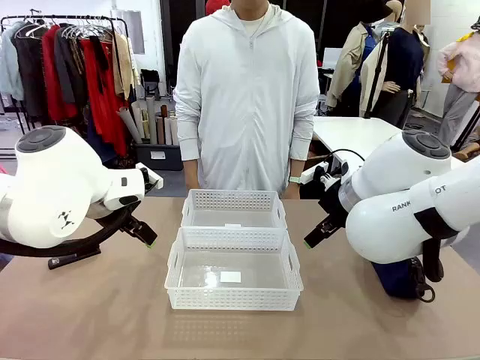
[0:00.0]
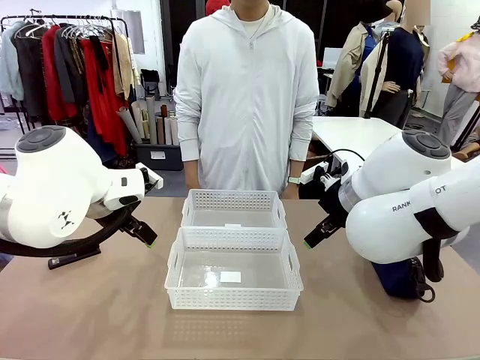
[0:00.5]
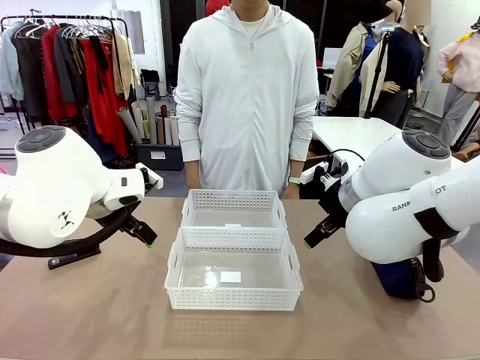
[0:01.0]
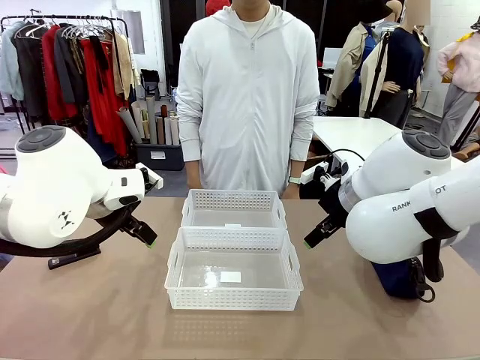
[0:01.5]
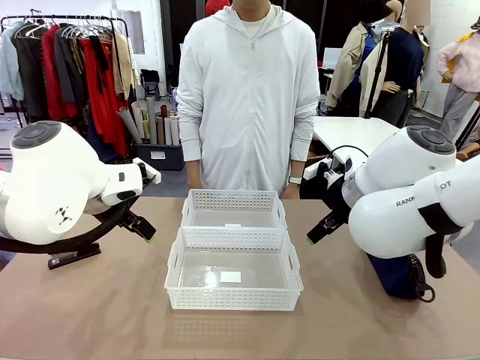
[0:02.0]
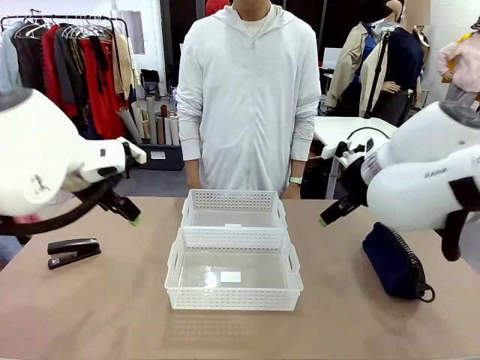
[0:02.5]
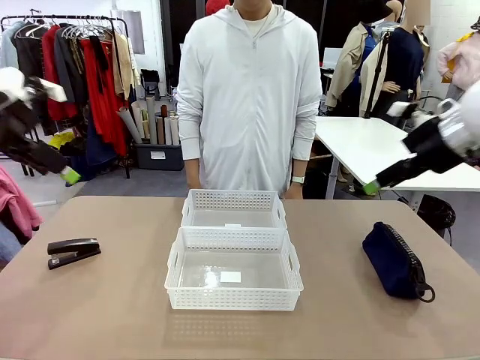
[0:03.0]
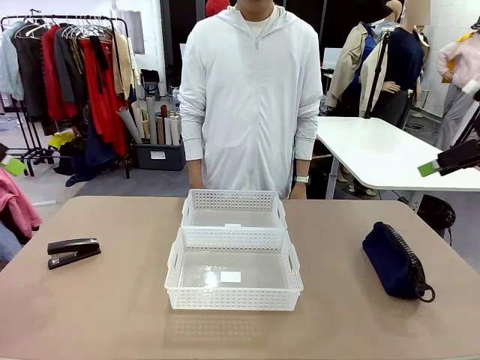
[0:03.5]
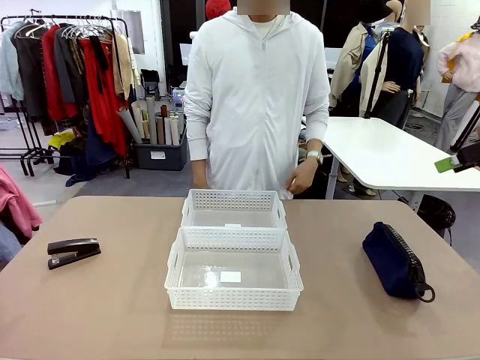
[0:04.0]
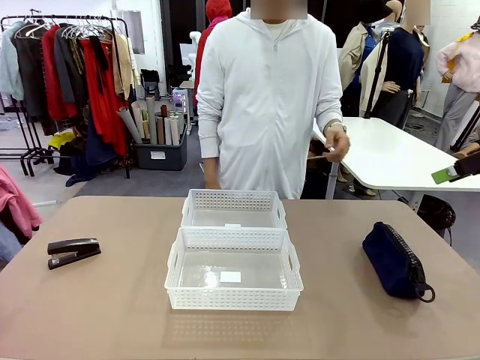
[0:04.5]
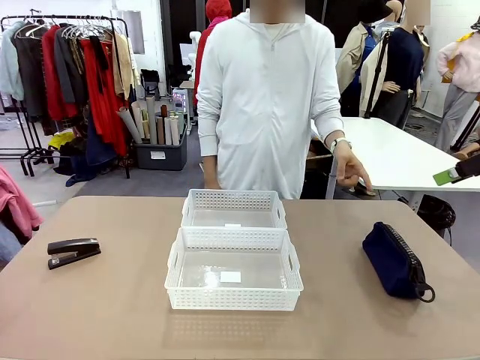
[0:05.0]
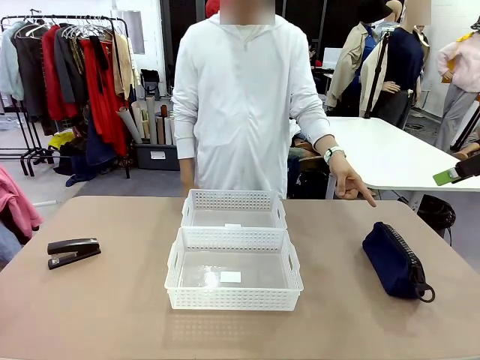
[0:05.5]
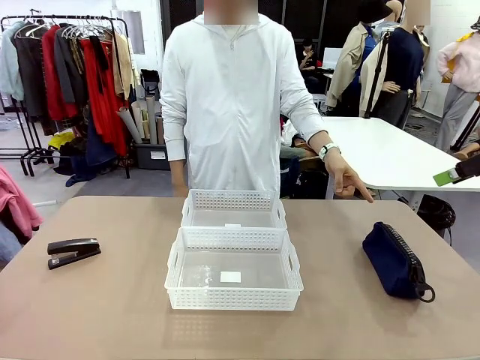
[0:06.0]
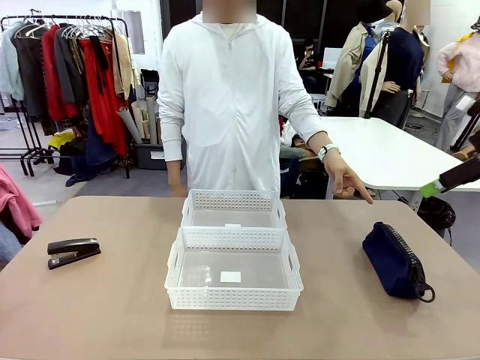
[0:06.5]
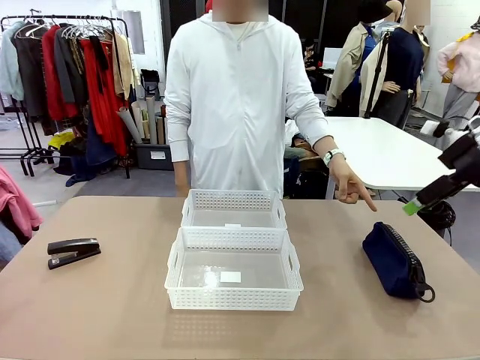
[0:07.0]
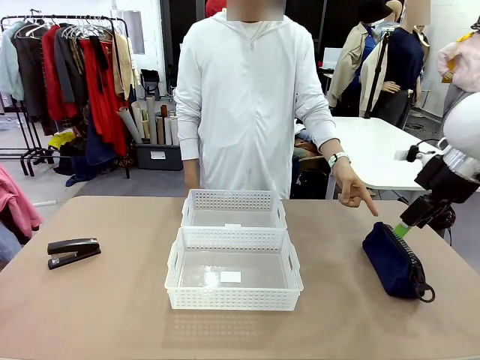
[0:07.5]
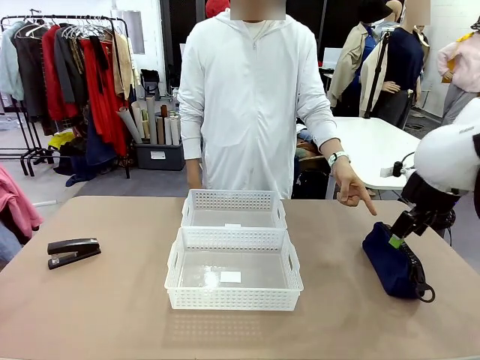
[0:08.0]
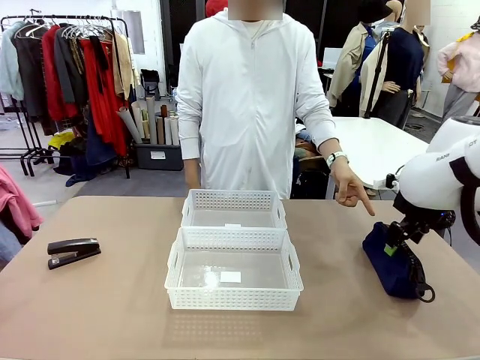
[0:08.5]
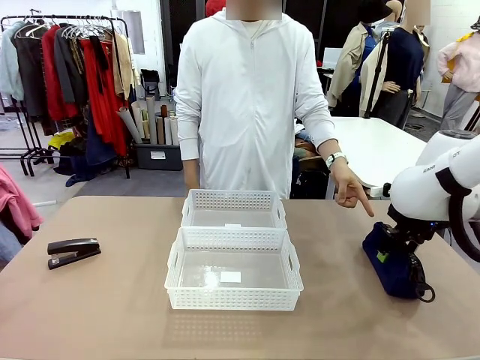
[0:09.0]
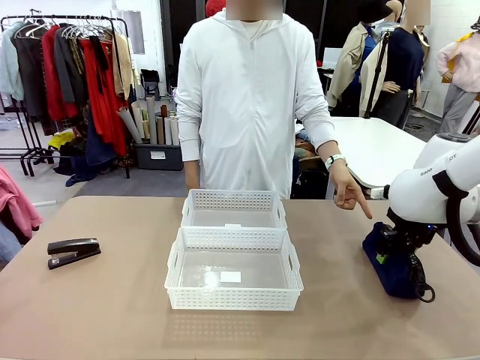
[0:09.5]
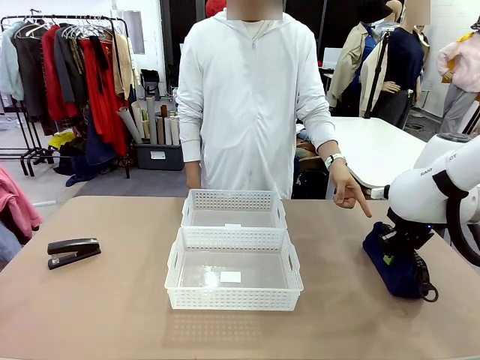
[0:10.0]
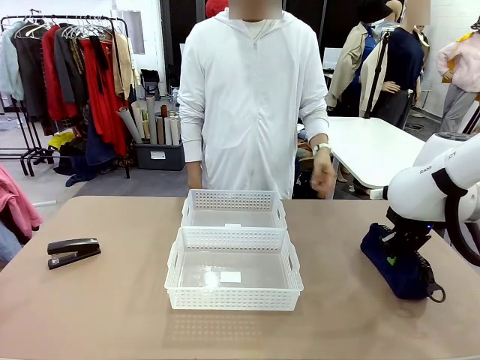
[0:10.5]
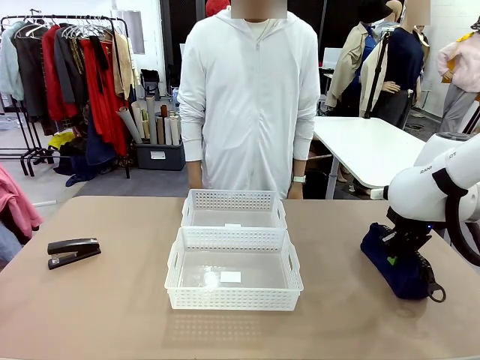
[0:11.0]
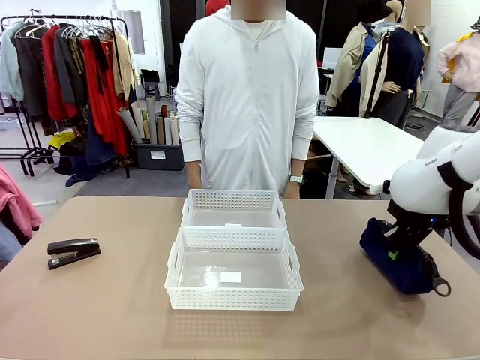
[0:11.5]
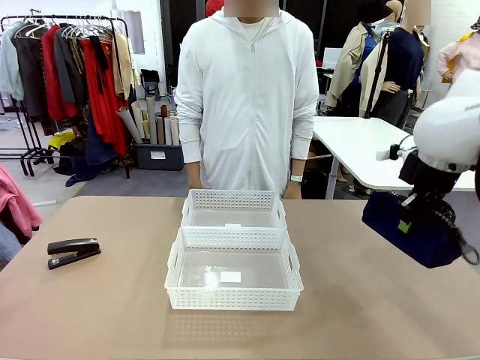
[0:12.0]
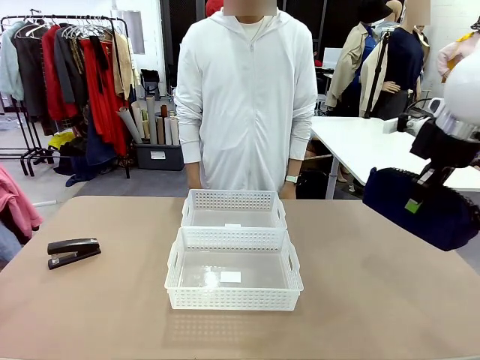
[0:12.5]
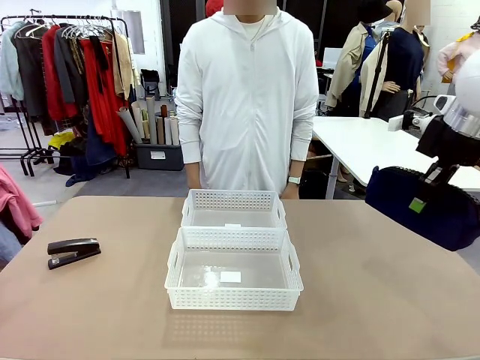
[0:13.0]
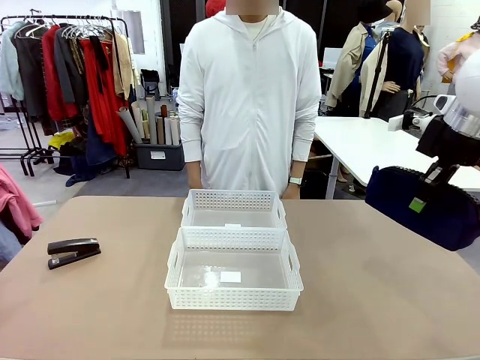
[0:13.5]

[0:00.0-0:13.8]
Task: Distribute items into two baskets.
Robot: Pick up the Pencil pouch that the person points to.
Person: Points to the pencil case. Points between the two organizing baskets and instructs the robot to move the pencil case.

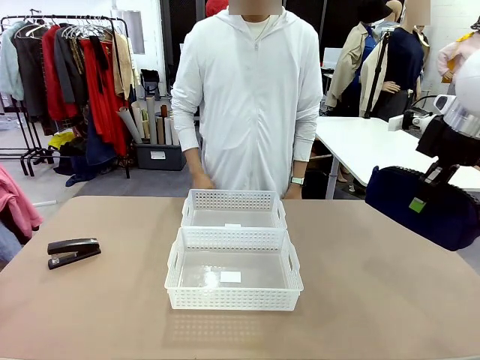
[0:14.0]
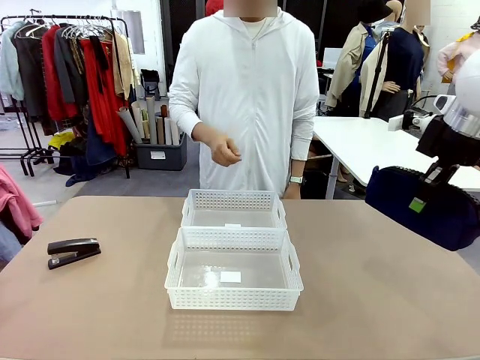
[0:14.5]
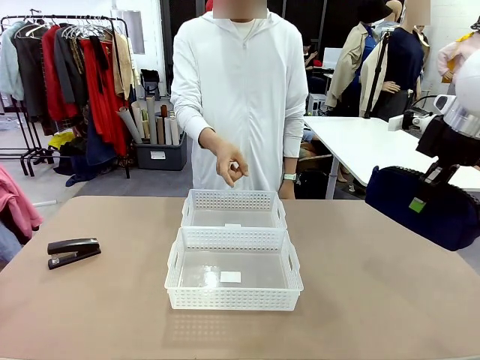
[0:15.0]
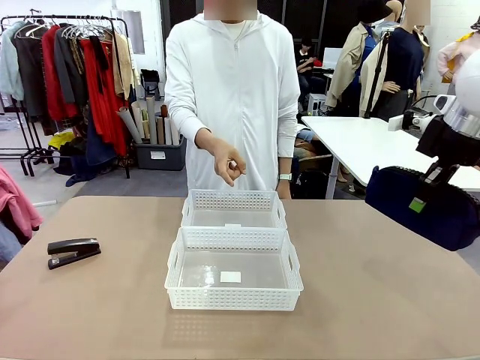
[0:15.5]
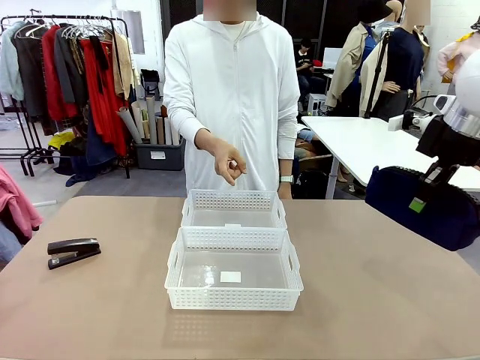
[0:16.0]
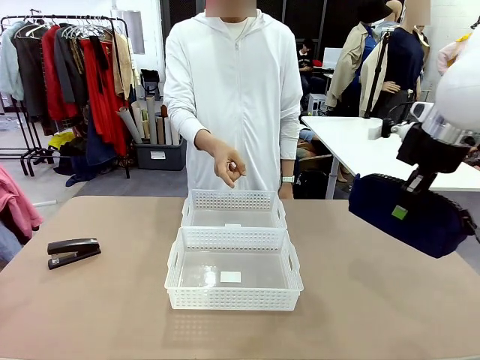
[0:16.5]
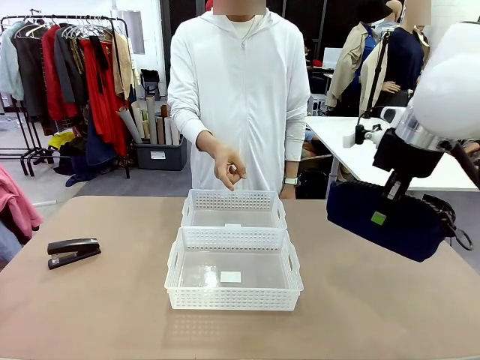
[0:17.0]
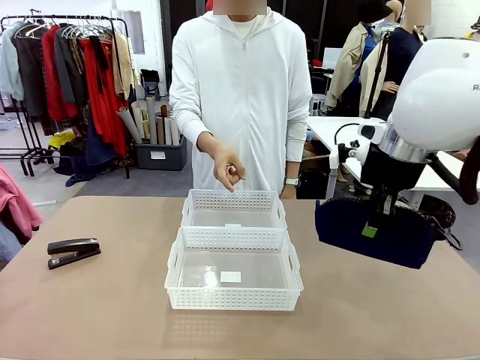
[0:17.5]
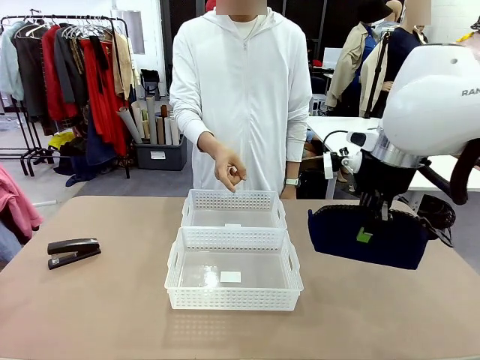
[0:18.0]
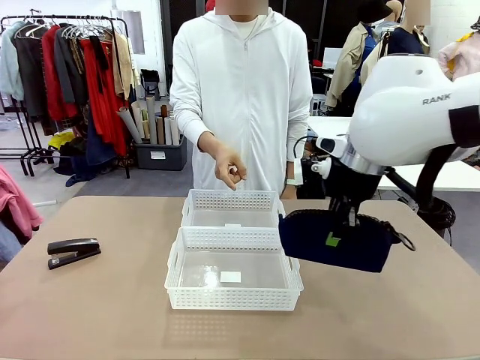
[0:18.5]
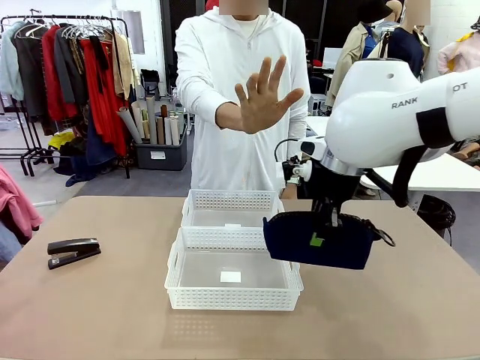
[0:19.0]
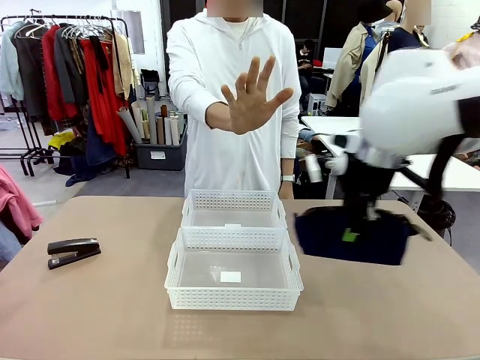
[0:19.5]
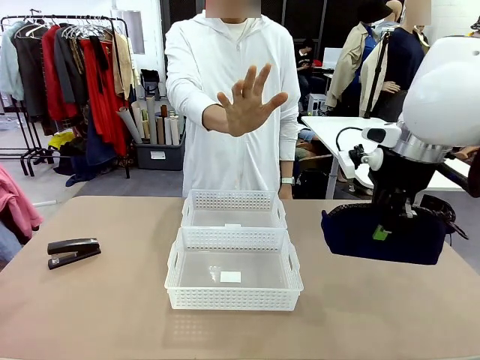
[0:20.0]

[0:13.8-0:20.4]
Robot: Move the picked Pencil pouch towards the Organizing basket indicated by the person, stopping as directed.
Person: Sends a stop gesture before the robot places the pencil case into the basket.

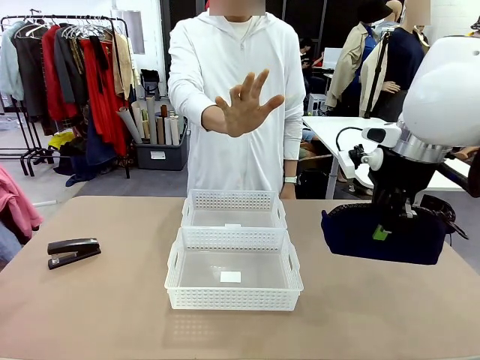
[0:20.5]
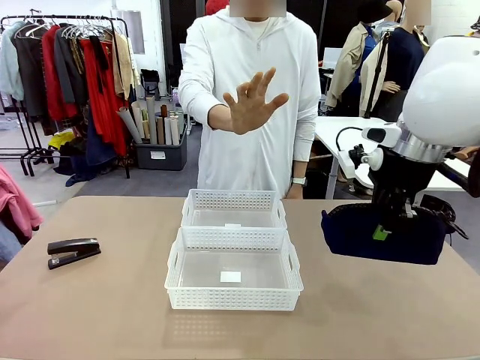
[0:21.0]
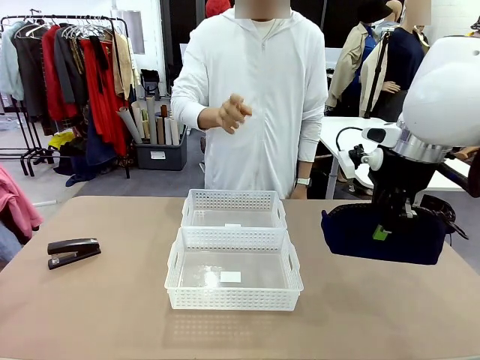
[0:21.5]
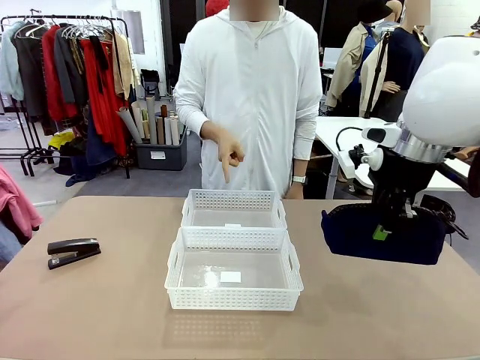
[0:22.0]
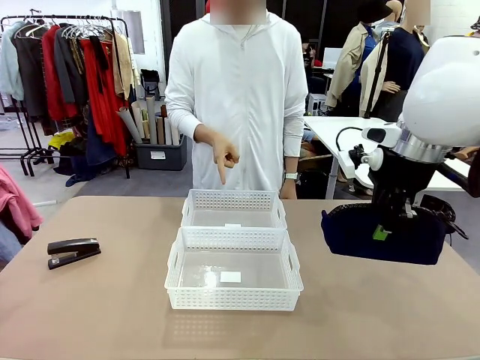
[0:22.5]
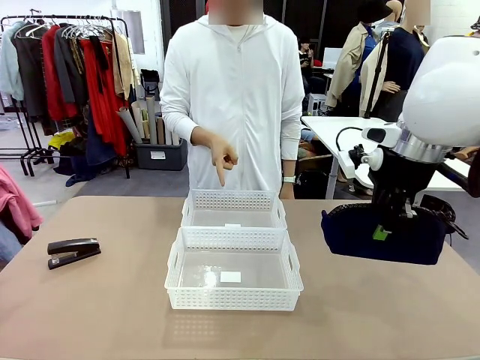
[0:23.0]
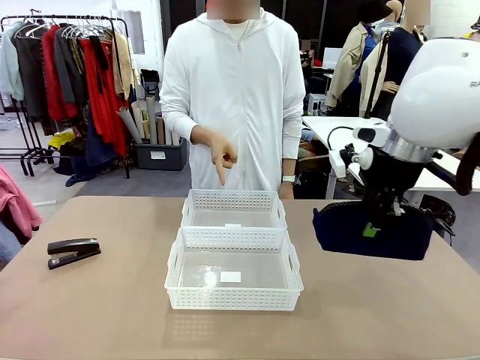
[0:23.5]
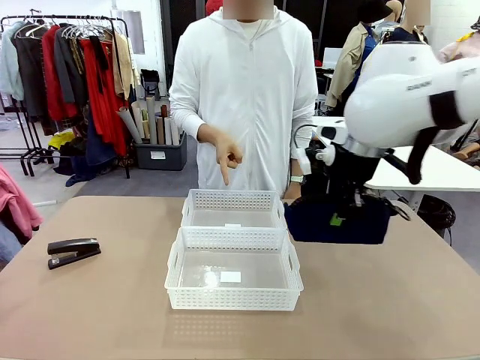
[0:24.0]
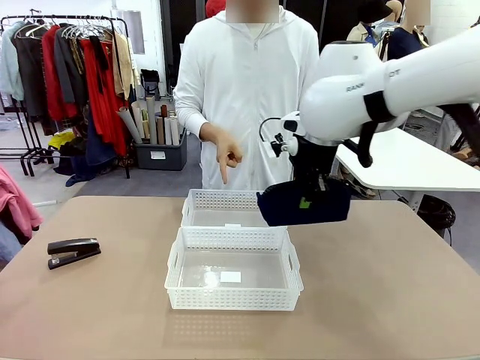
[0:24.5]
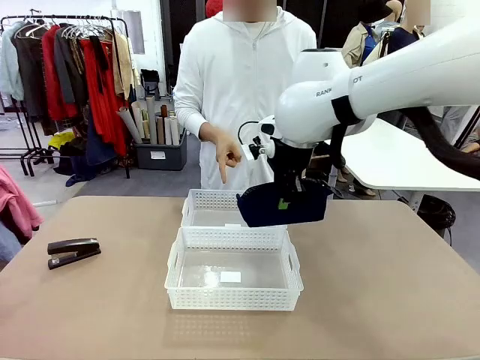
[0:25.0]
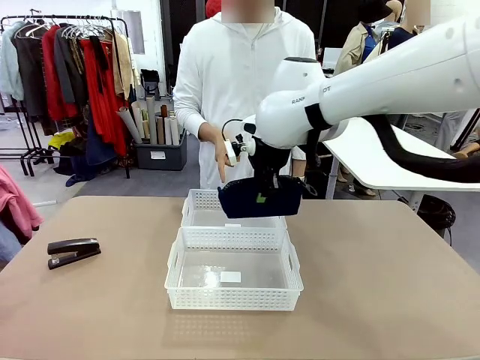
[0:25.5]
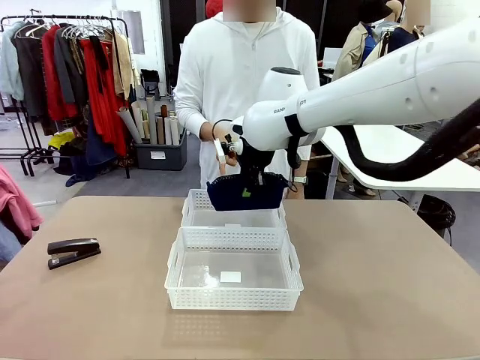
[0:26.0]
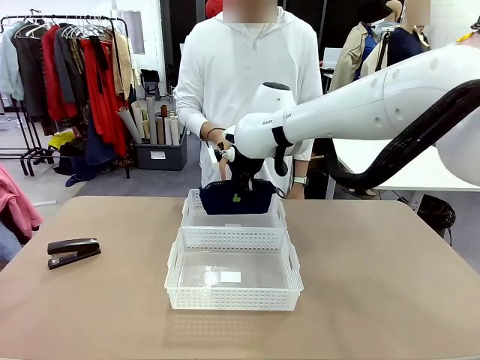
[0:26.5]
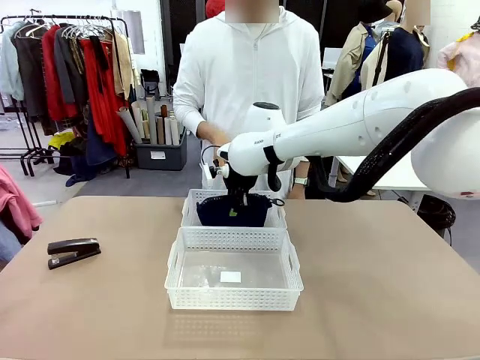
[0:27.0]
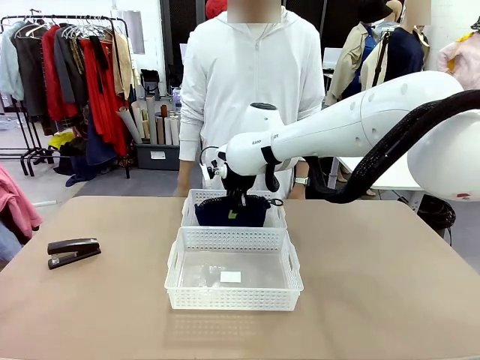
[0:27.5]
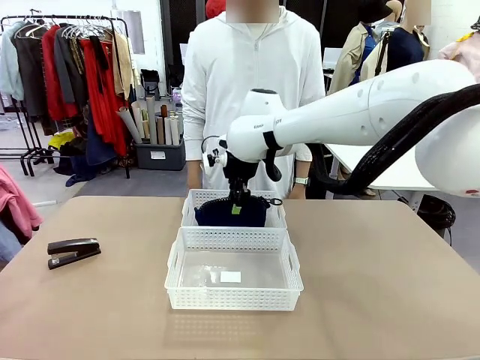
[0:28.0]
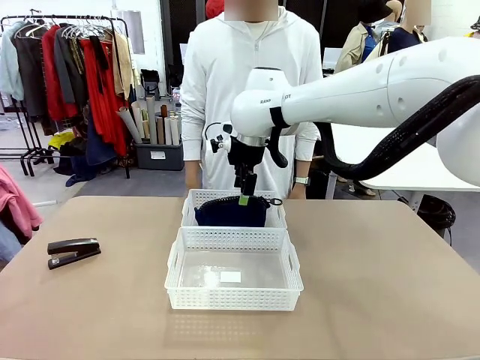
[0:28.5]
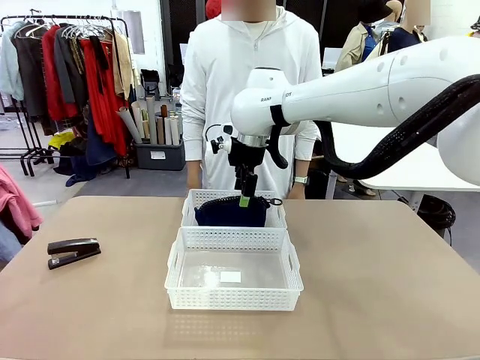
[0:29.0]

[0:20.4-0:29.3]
Robot: Place the picked Pencil pouch into the Organizing basket as instructed by the person.
Person: Instructs the robot to place the pencil case into the opposite basket. Points to the stapler.
